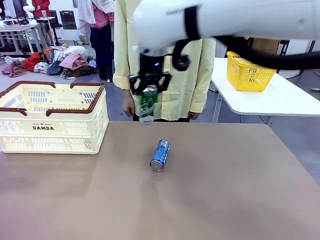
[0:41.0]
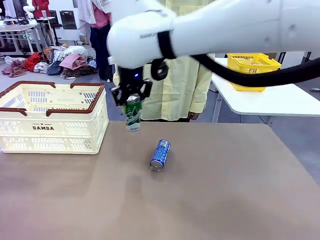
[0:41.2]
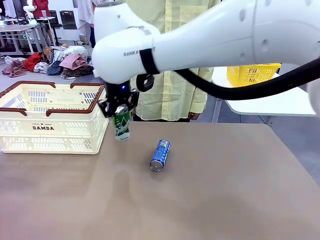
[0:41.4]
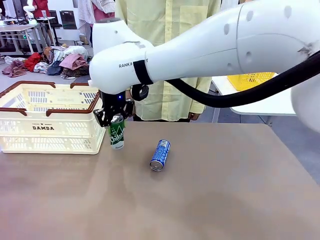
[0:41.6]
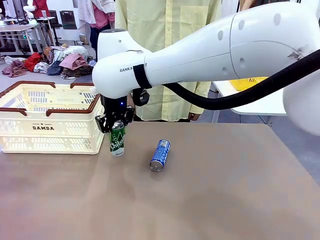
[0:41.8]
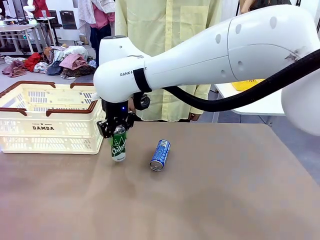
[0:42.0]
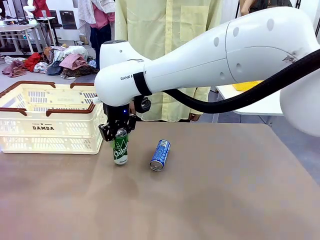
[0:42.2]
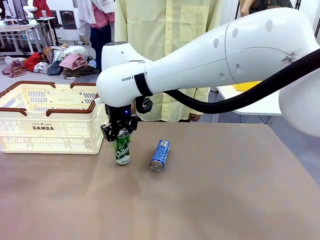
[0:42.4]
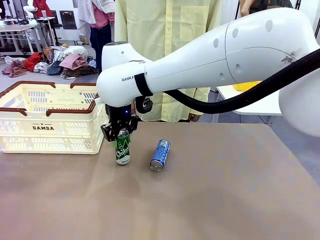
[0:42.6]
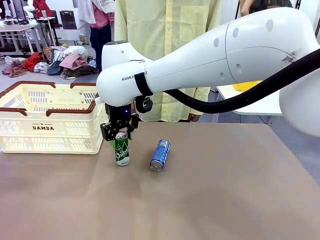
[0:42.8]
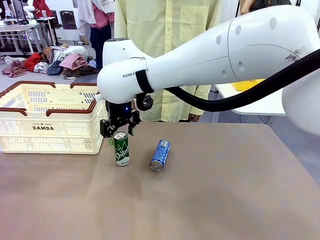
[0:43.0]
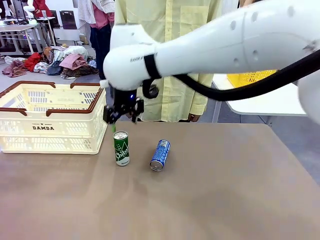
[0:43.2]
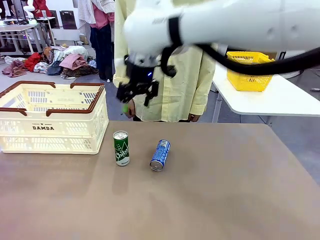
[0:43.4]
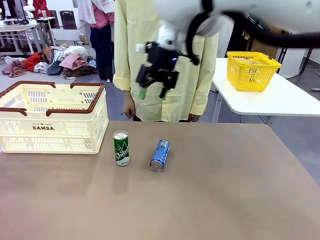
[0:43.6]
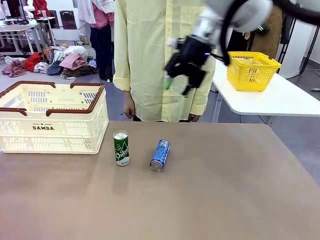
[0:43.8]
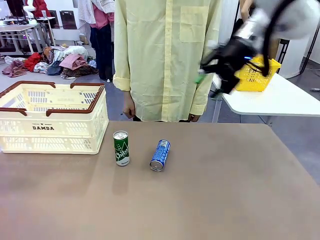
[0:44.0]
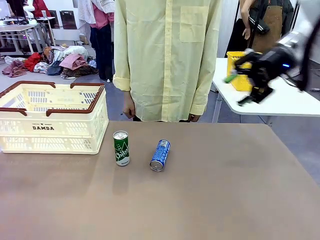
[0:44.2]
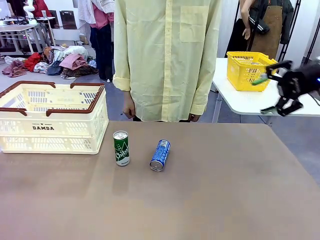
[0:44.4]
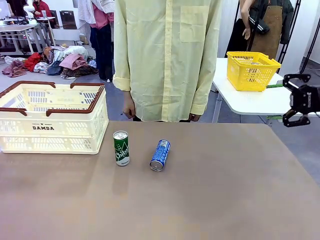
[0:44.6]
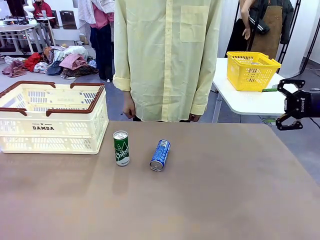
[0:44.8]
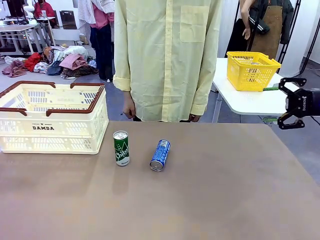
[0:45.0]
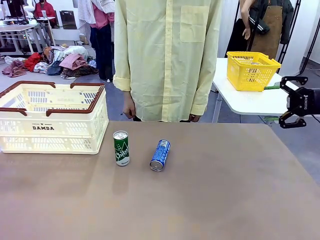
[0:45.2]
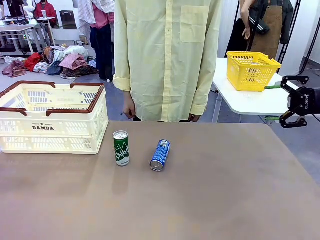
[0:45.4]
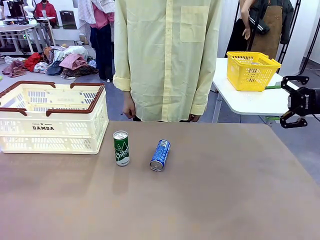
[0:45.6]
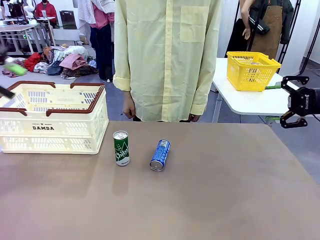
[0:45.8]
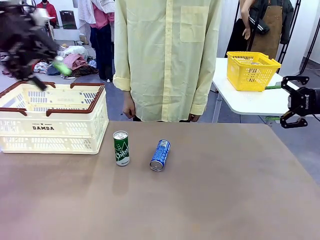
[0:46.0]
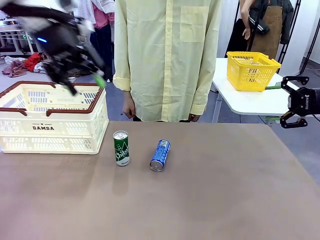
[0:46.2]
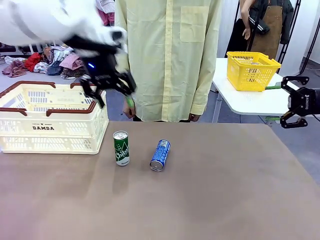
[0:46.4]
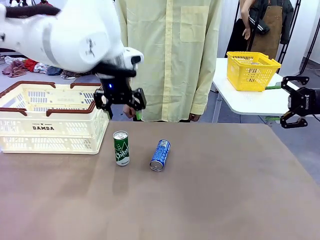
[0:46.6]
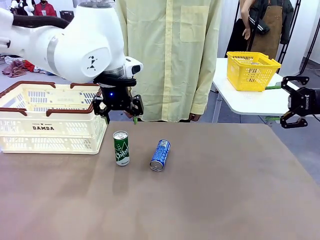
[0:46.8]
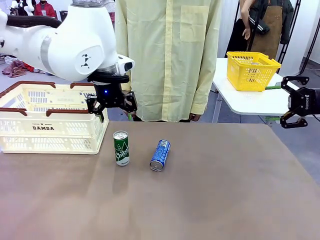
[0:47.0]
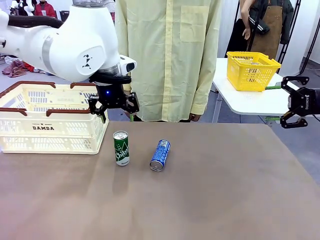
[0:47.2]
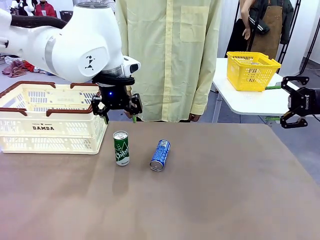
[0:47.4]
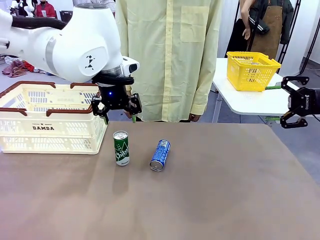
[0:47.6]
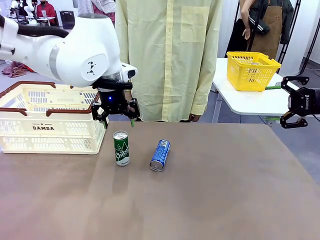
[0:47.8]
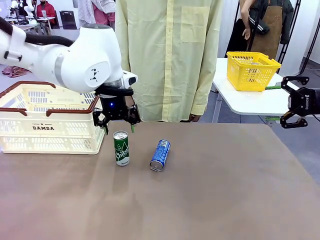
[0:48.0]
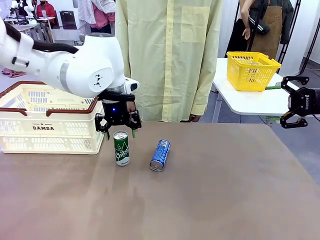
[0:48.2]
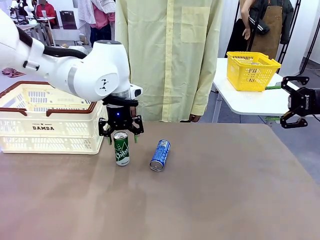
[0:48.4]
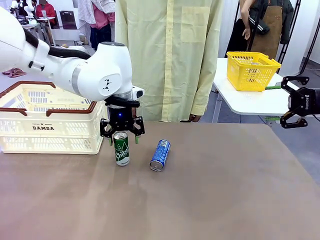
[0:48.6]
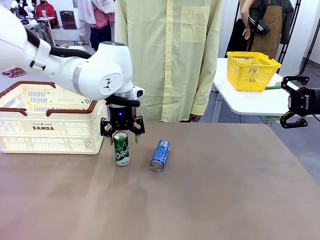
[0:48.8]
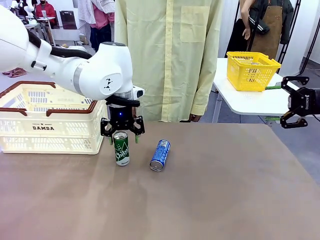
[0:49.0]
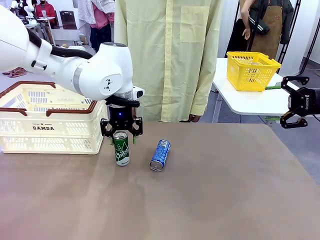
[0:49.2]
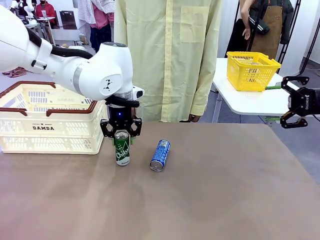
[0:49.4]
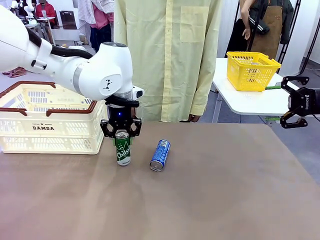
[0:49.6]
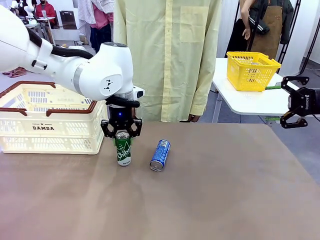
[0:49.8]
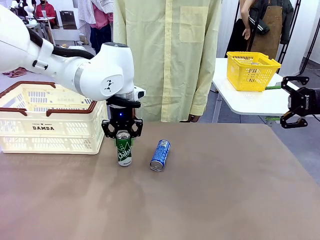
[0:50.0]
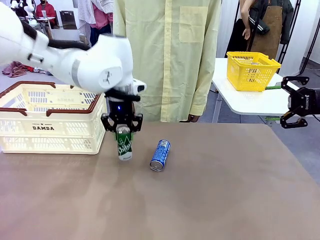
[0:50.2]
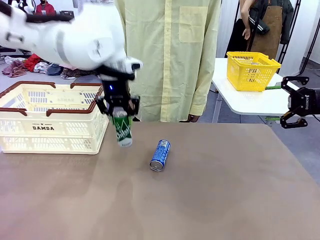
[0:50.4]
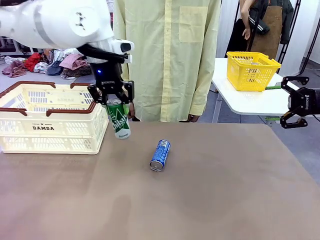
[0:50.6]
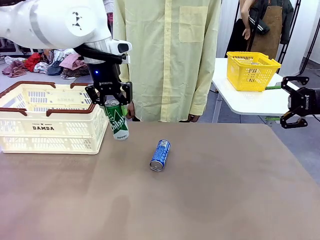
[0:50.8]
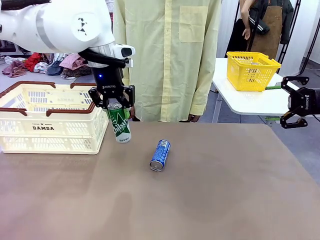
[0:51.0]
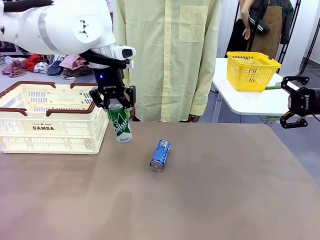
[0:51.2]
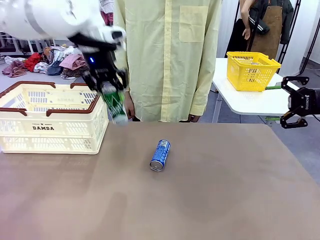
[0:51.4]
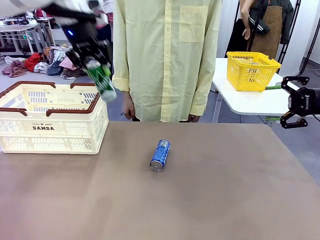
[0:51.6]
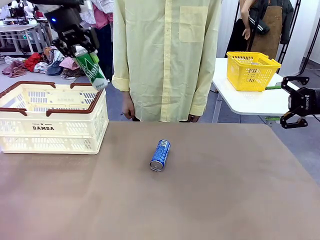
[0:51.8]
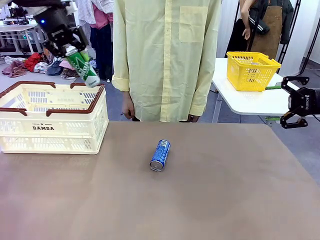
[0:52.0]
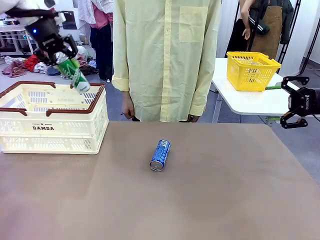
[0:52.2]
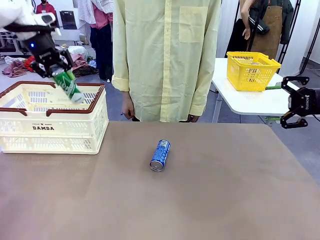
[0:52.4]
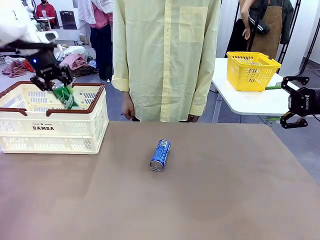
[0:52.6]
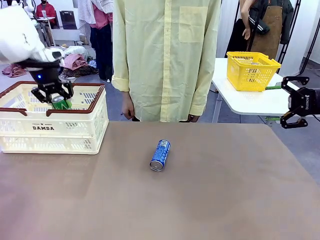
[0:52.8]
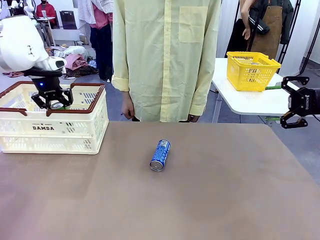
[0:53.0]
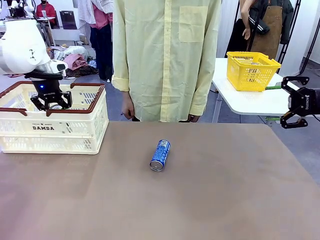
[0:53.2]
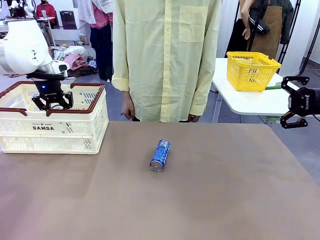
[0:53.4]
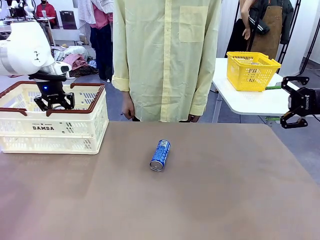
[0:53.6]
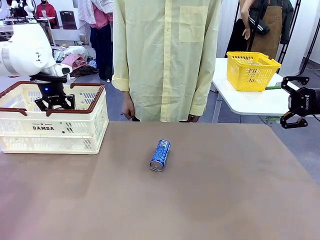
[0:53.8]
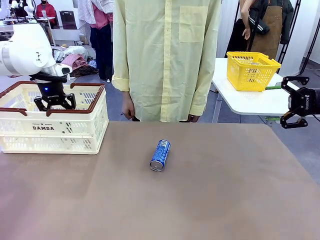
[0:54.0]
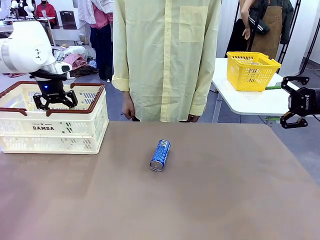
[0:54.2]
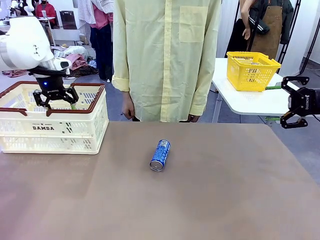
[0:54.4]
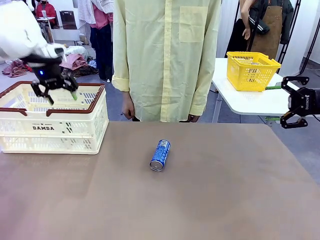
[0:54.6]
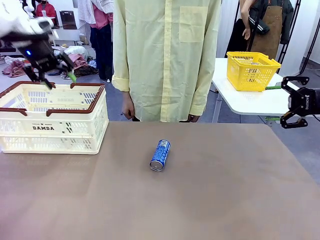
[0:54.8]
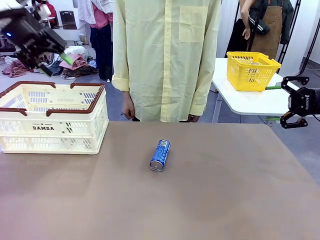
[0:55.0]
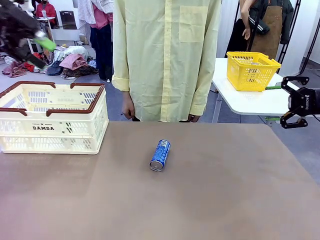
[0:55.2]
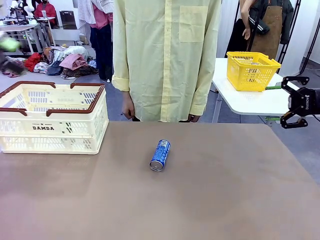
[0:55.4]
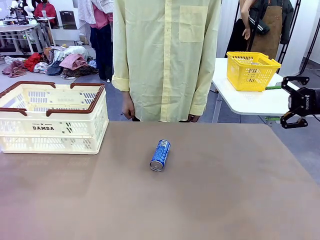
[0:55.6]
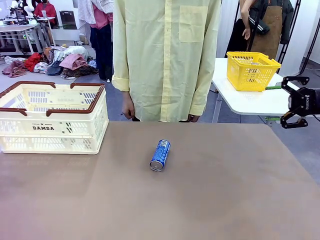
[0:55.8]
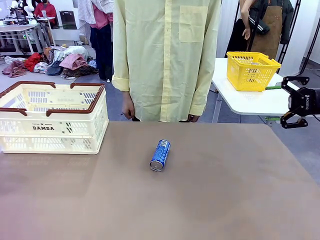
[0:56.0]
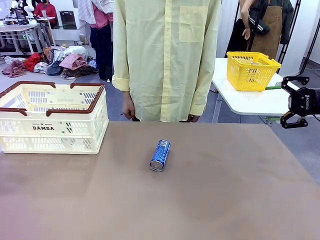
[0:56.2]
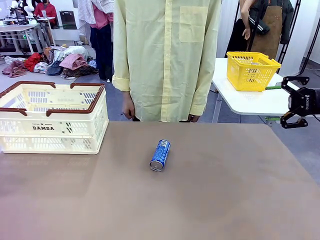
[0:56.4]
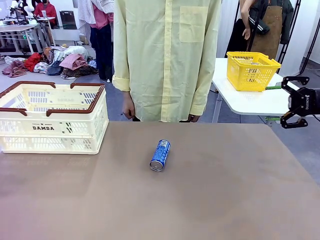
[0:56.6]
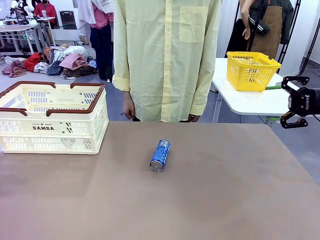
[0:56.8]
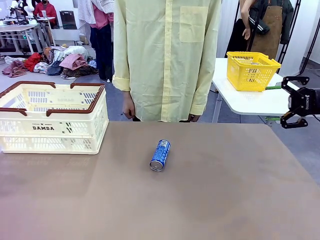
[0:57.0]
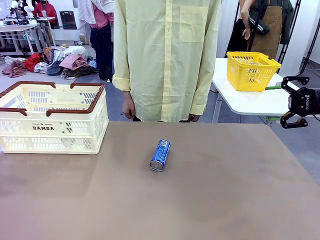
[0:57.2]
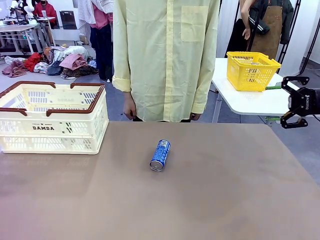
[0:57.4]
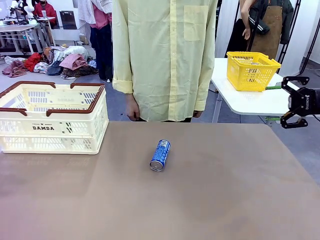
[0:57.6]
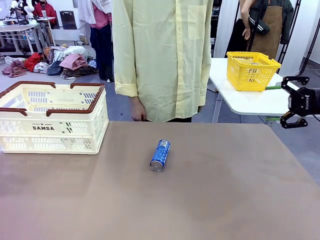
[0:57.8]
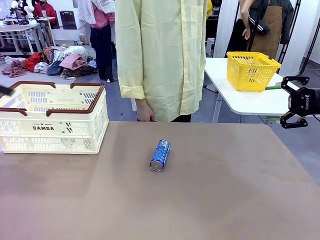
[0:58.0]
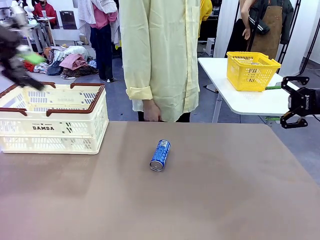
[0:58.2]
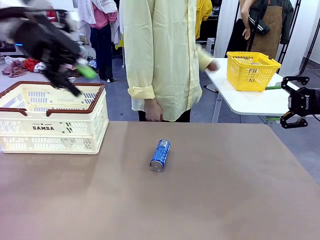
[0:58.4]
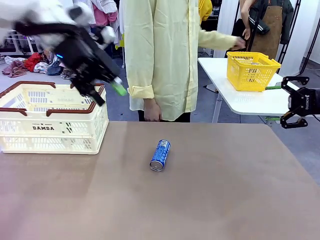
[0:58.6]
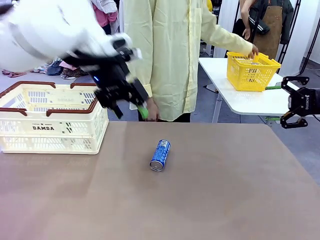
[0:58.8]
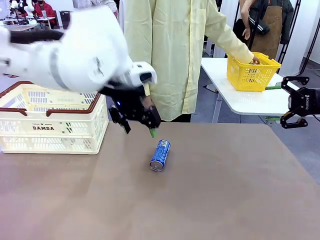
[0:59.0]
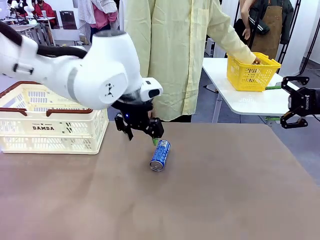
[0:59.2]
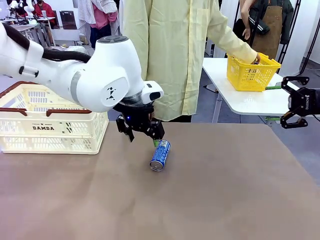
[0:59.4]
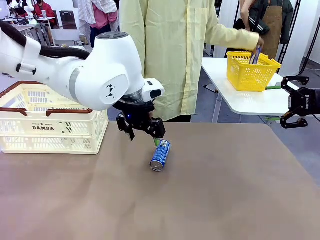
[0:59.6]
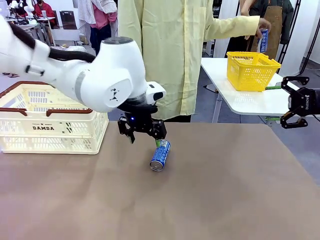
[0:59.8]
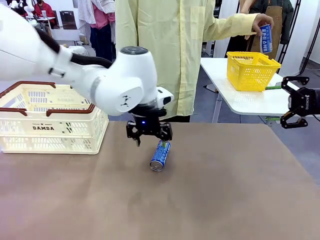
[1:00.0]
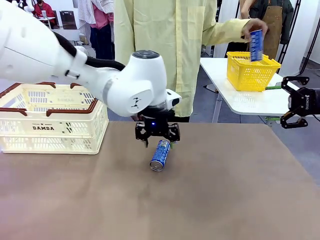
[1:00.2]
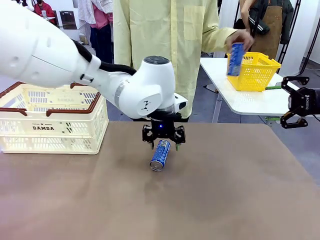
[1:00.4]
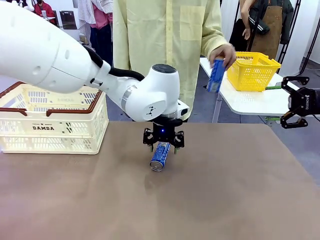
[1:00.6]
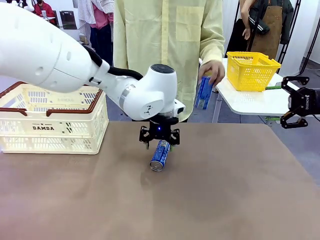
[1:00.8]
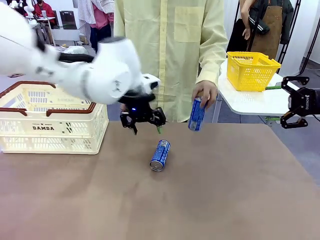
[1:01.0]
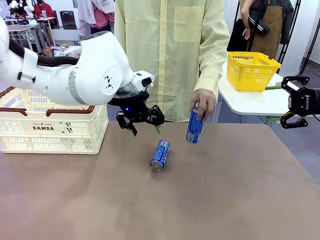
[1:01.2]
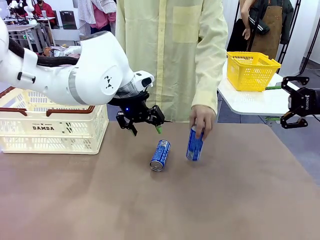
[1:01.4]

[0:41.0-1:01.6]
Task: Place the drinks into the Shopping basket.
Robot: Pick up one drink and place it into the Shopping basket.
